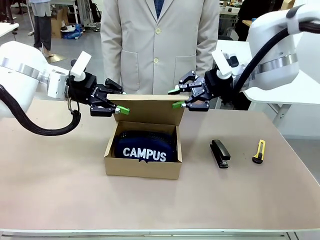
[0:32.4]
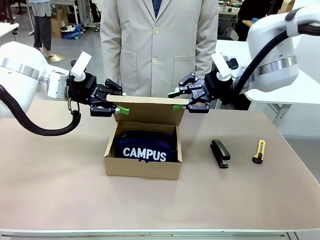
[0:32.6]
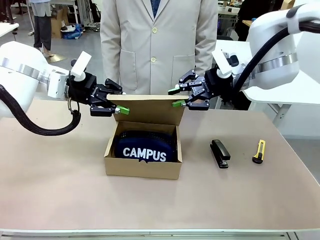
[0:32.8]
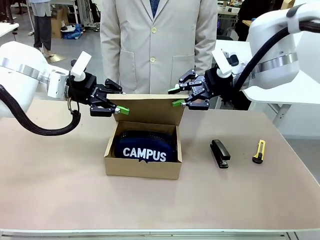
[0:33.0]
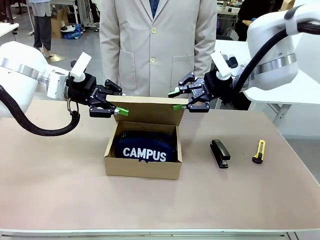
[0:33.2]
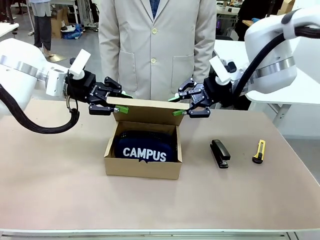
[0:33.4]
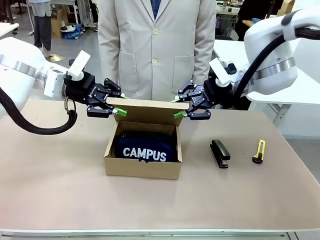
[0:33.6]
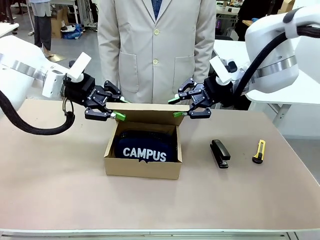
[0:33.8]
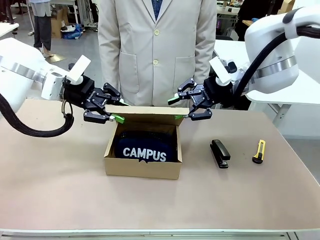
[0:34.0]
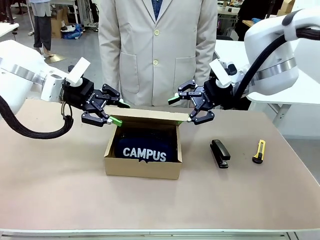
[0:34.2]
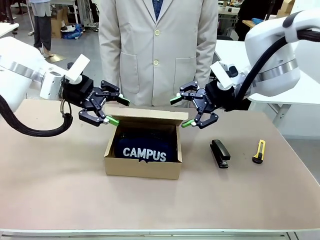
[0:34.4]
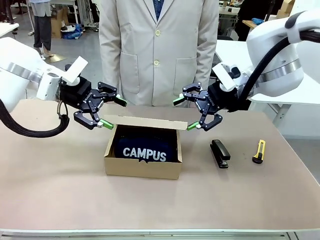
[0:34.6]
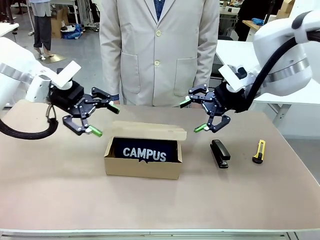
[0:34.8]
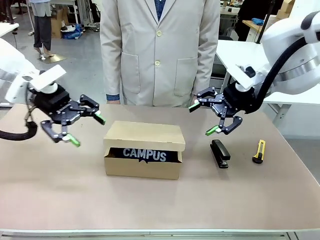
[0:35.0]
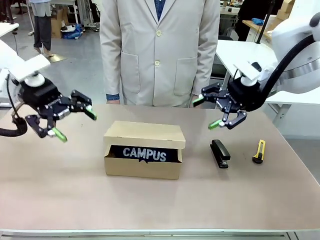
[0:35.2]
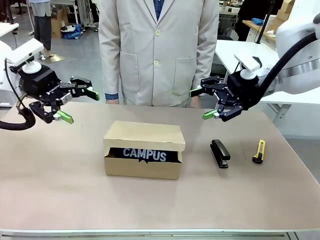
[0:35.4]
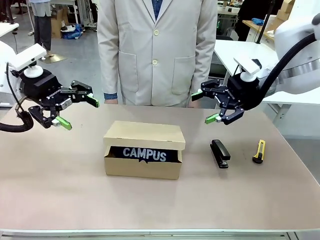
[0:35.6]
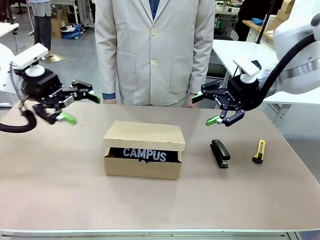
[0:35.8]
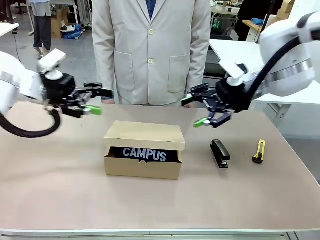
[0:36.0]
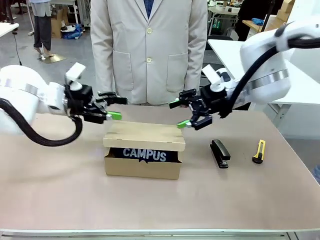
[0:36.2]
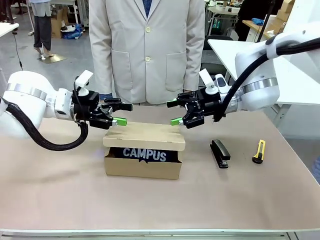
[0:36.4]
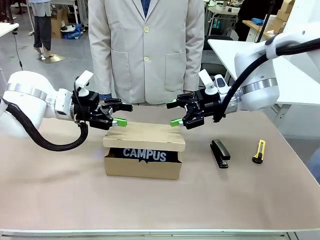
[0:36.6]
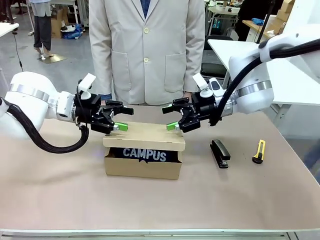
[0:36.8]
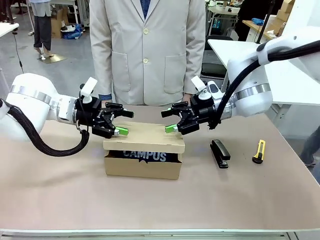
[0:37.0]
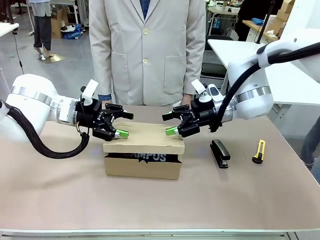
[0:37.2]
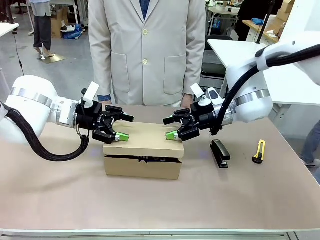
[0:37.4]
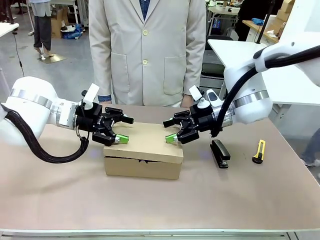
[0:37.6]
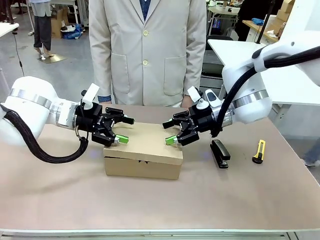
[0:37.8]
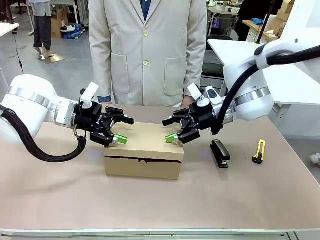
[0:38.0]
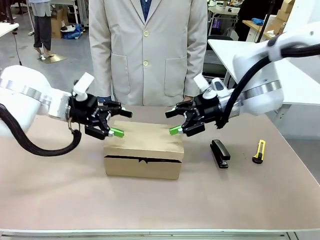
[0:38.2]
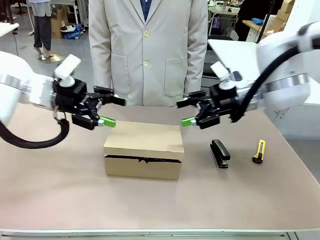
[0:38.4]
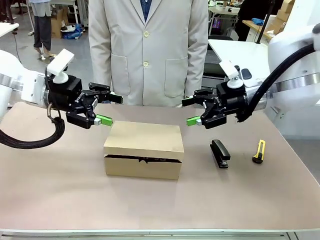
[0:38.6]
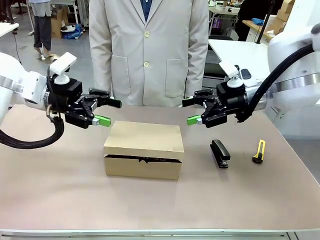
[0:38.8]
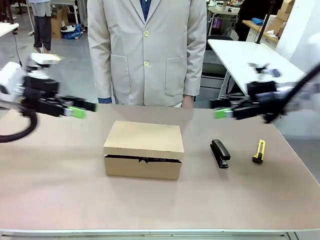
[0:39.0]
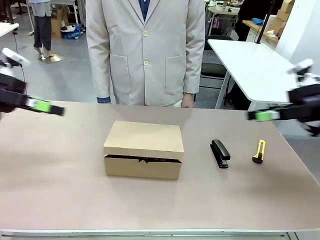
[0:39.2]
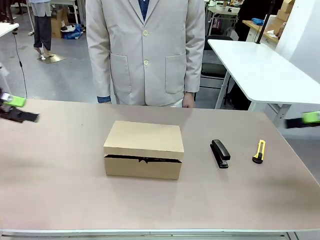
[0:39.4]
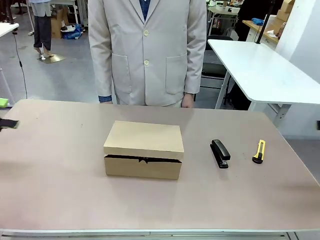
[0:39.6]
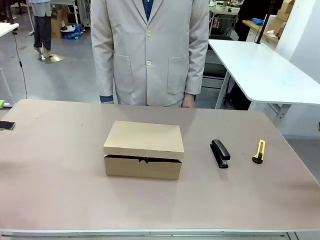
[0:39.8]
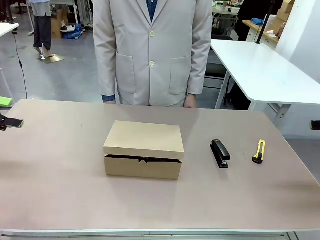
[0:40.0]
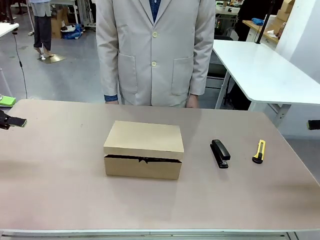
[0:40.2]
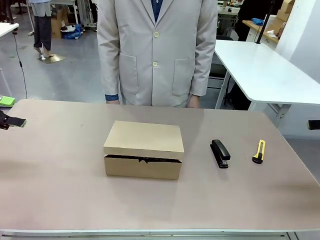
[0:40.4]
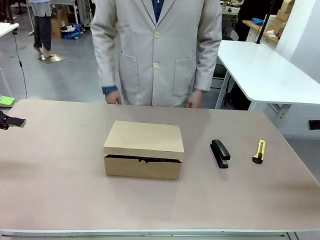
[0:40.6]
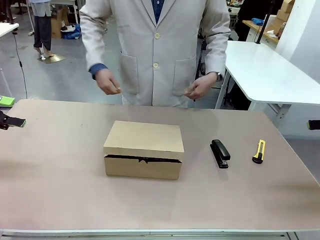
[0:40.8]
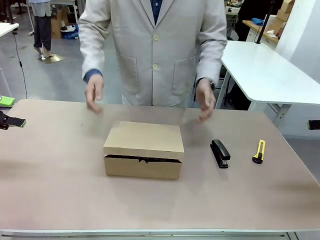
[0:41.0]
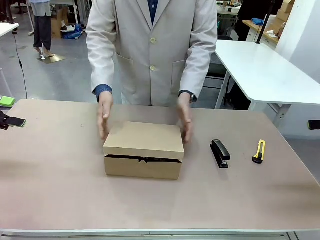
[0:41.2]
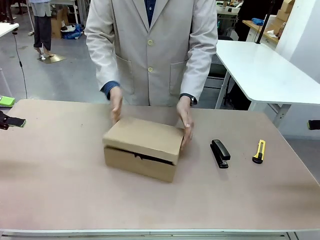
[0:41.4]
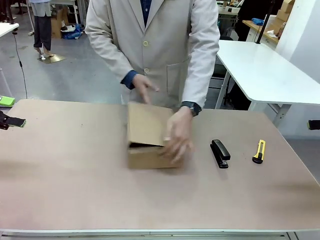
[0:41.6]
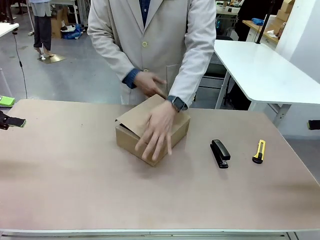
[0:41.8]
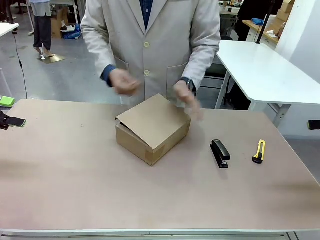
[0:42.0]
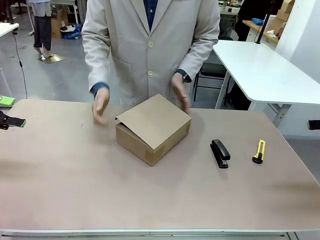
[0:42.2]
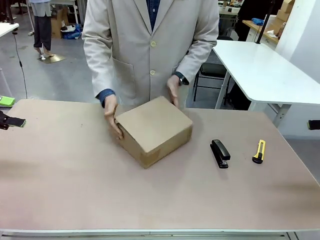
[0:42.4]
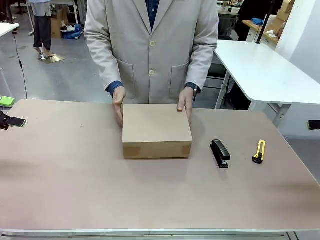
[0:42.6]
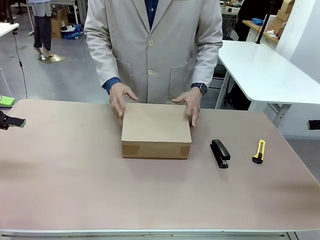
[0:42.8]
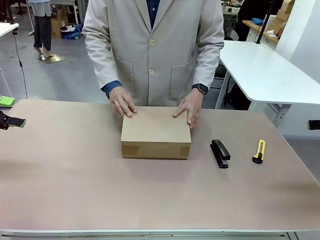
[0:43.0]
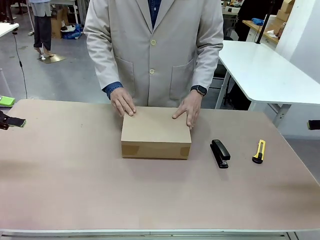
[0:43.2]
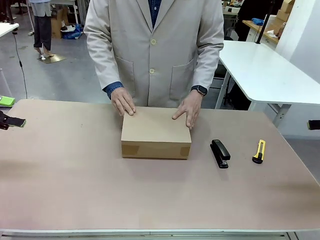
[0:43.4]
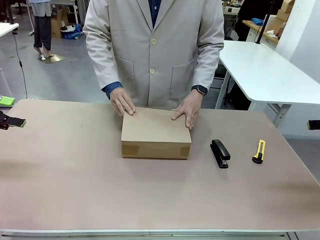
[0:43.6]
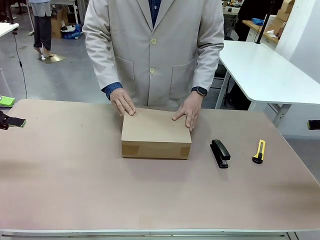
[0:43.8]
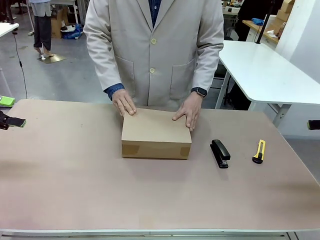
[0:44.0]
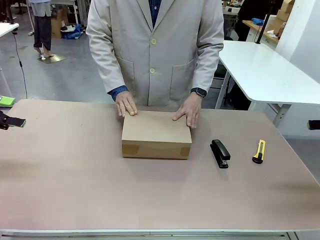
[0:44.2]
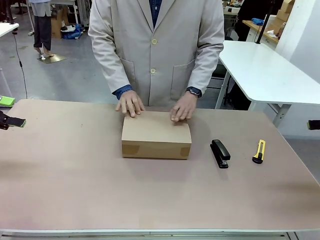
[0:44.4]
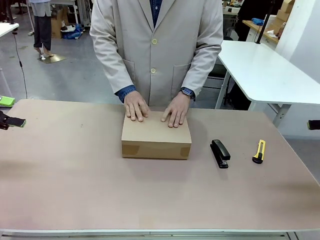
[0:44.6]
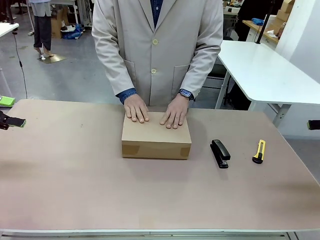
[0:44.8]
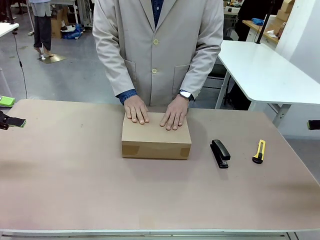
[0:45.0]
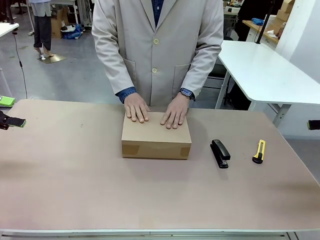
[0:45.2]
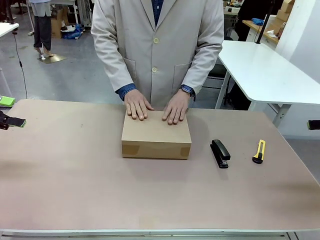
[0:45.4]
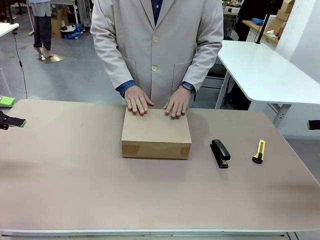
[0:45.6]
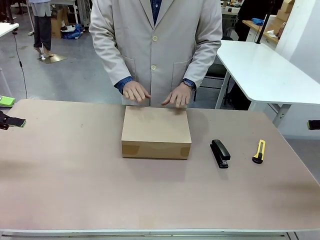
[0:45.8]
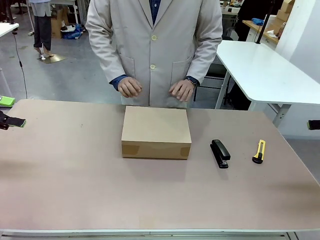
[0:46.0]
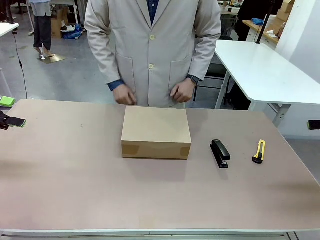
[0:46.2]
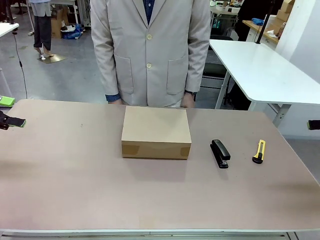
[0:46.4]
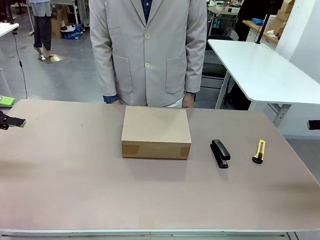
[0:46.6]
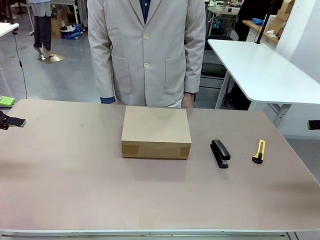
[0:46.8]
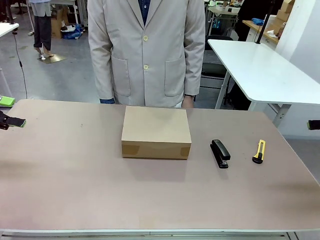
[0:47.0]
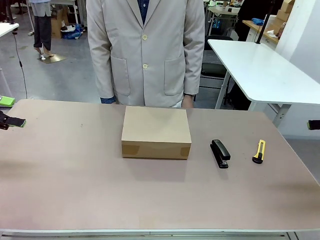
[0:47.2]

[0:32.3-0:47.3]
Task: Pack the item into the box.
Robot: Close the Mailer Box.
Person: Turn the box and lock it.

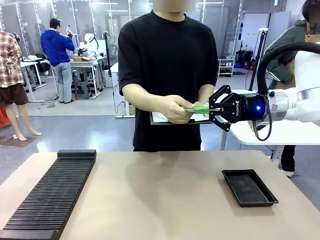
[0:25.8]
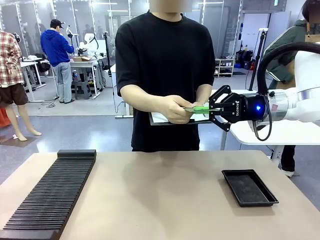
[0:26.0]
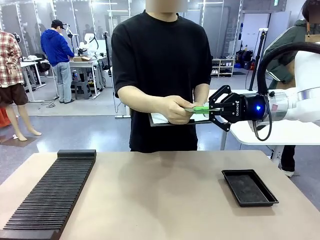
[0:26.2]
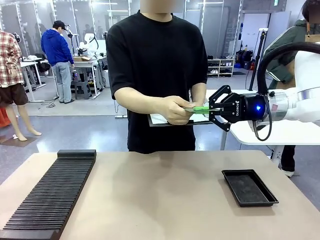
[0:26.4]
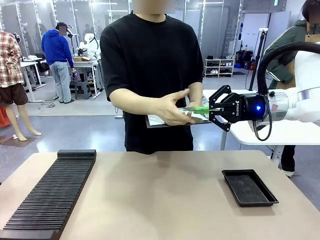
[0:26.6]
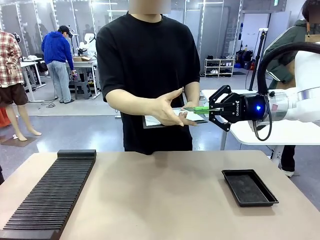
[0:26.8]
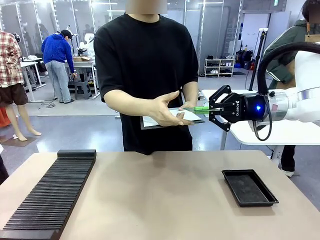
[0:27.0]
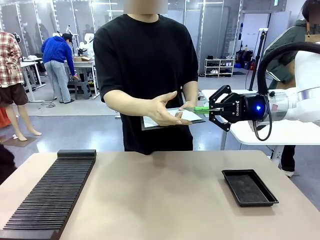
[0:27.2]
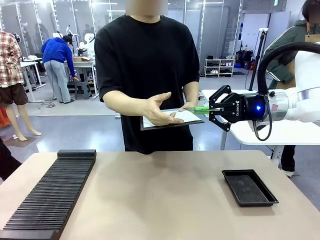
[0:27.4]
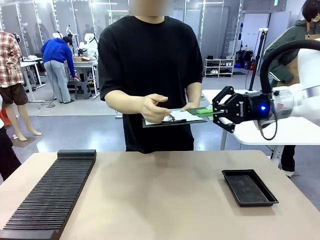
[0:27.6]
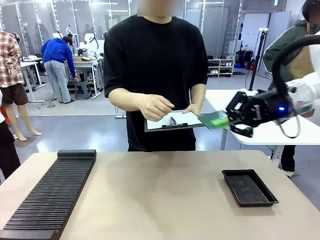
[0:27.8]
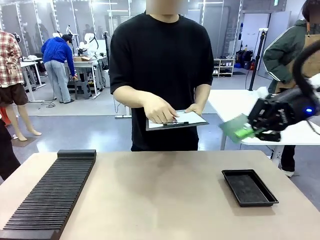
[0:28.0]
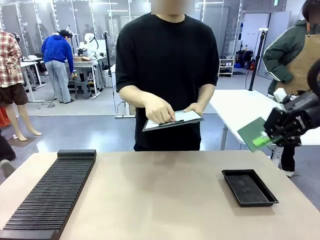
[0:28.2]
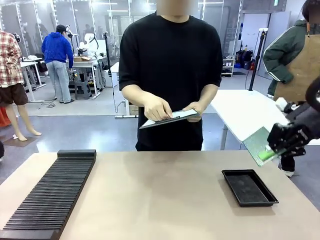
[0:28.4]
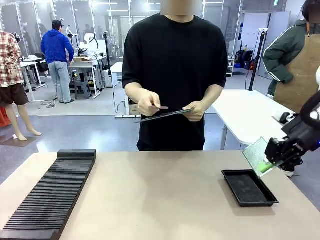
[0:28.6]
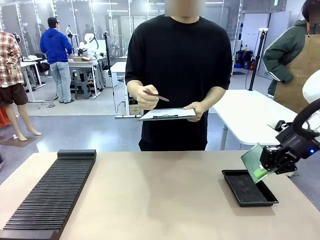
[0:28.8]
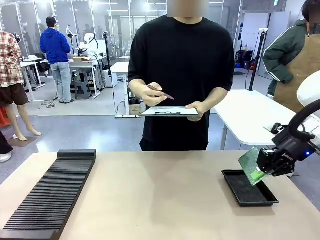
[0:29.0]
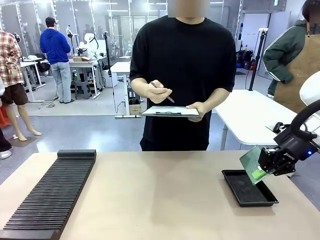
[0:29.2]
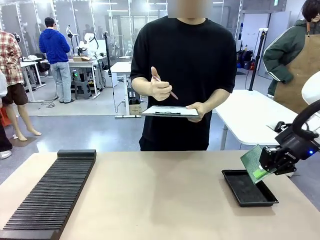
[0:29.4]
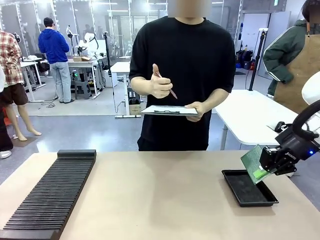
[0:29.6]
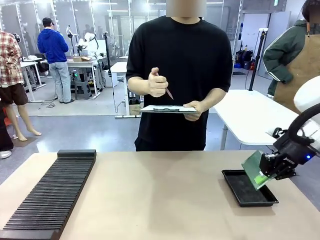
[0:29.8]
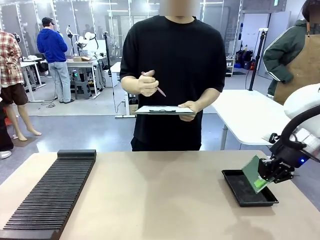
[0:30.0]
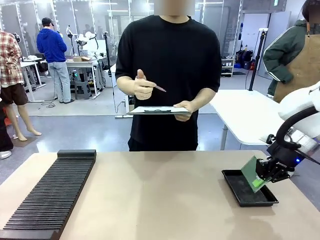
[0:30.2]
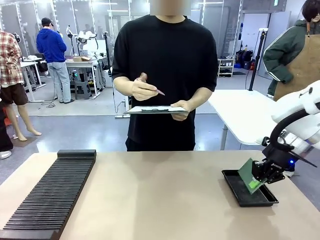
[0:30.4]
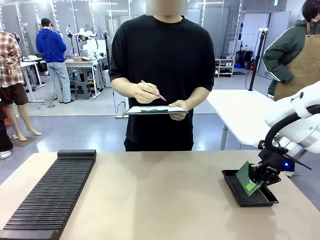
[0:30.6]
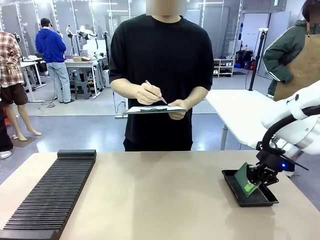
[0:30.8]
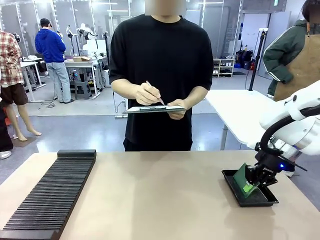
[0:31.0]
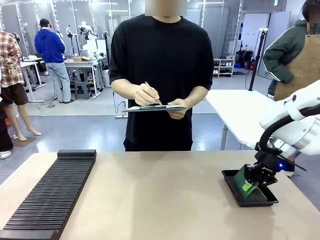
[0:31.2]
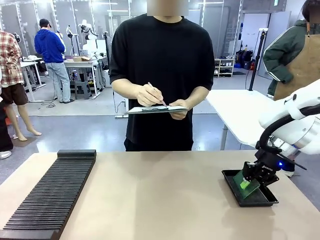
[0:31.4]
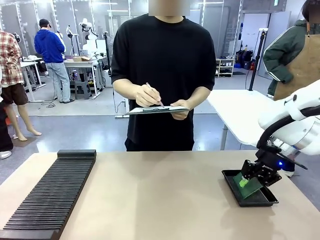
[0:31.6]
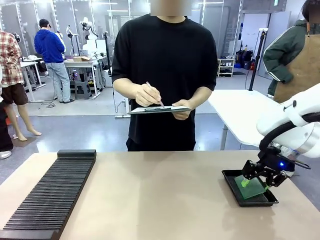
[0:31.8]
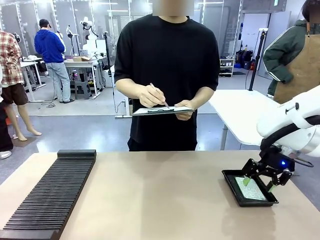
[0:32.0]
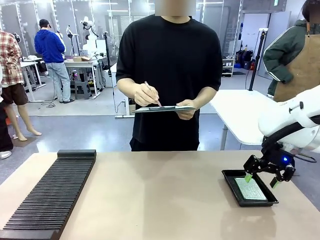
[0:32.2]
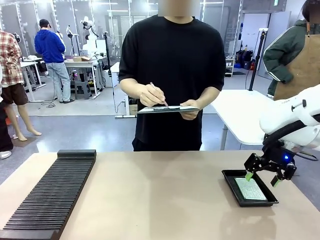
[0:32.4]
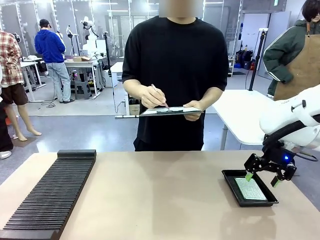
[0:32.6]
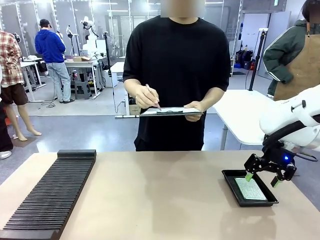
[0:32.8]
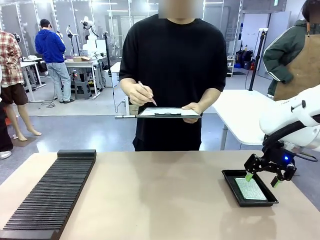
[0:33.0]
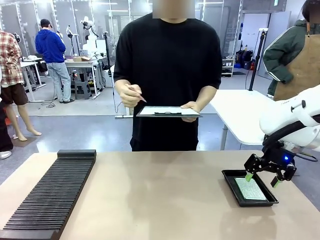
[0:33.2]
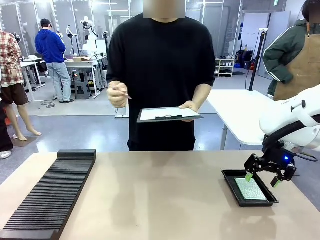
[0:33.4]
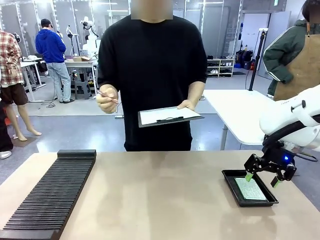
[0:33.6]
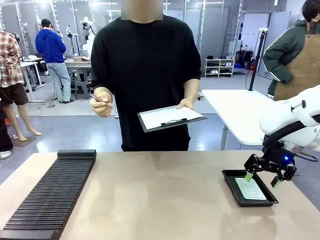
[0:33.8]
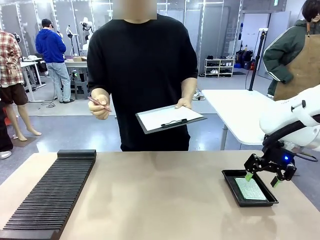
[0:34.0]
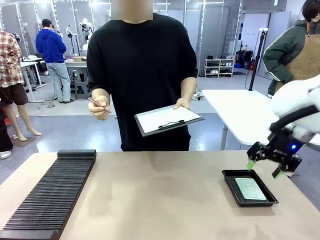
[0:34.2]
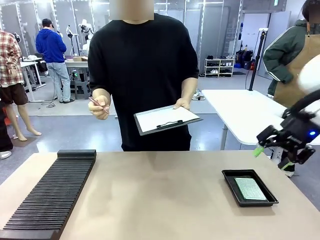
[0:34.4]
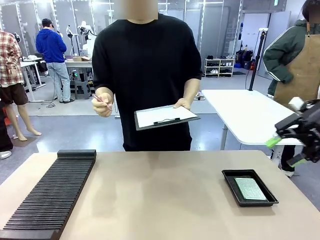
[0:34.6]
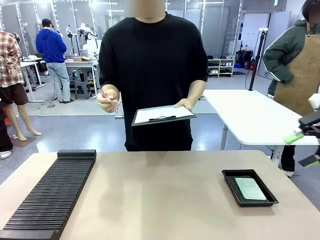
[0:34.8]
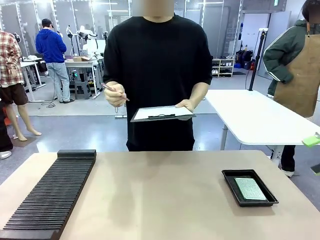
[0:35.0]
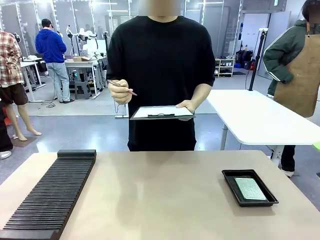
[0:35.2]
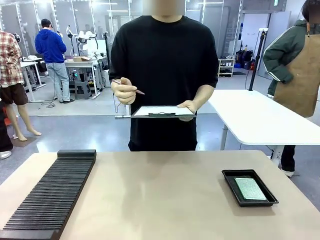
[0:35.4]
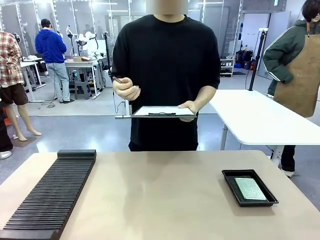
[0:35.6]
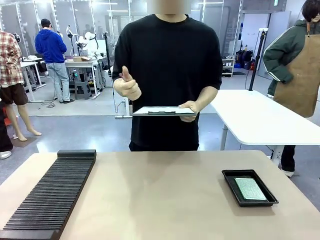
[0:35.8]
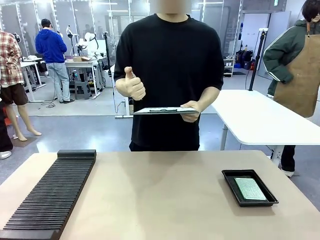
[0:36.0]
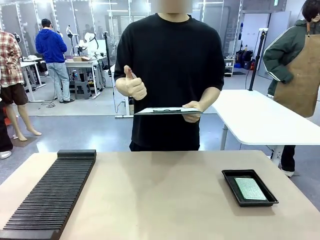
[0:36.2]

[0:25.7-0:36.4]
Task: Inspect the PCB.
Robot: Place the Blank PCB in the ESD tray.
Person: Record the PCB status on the paper.
